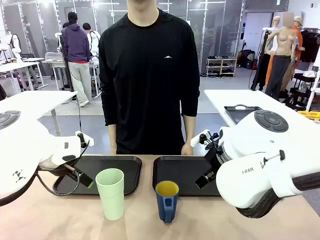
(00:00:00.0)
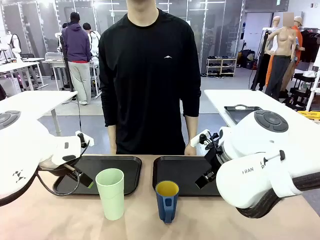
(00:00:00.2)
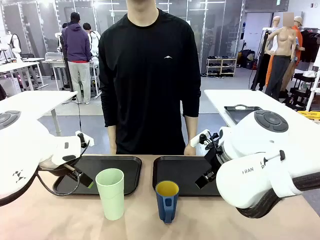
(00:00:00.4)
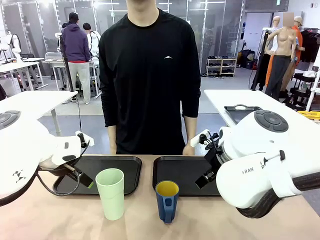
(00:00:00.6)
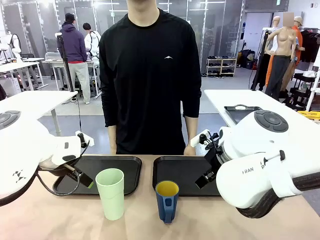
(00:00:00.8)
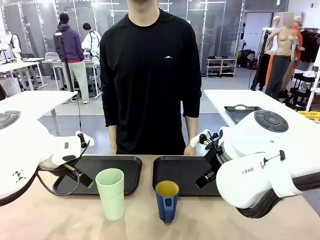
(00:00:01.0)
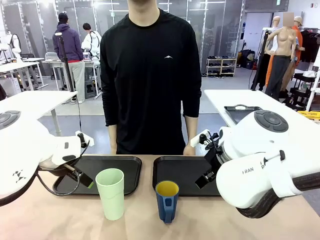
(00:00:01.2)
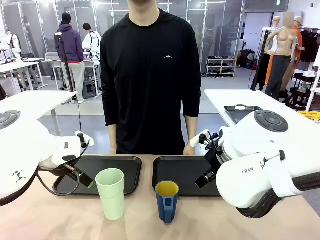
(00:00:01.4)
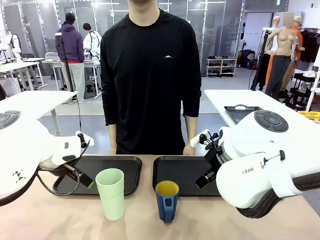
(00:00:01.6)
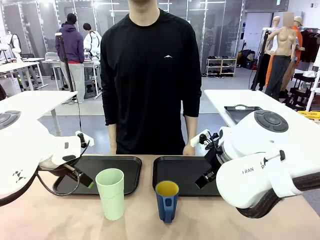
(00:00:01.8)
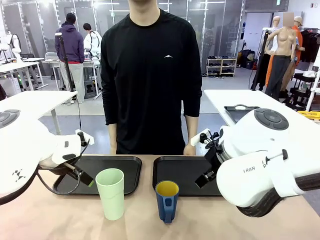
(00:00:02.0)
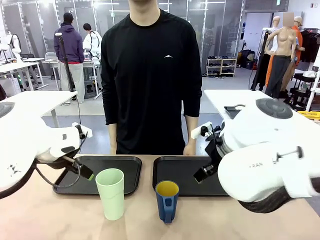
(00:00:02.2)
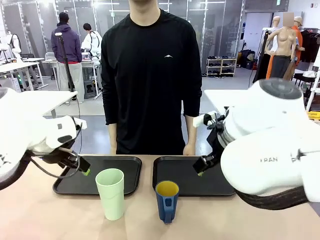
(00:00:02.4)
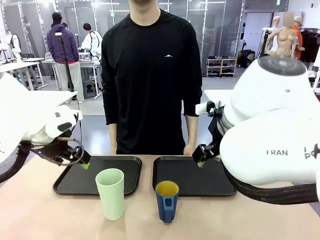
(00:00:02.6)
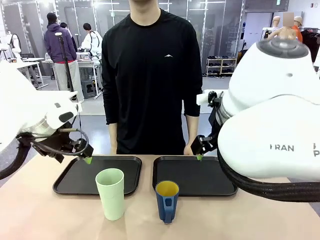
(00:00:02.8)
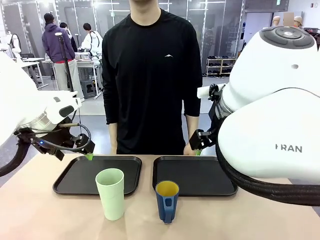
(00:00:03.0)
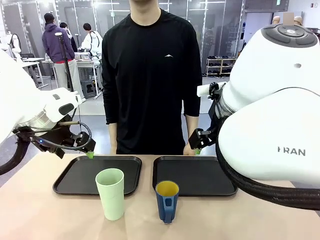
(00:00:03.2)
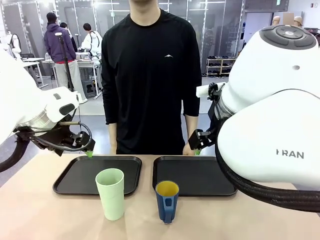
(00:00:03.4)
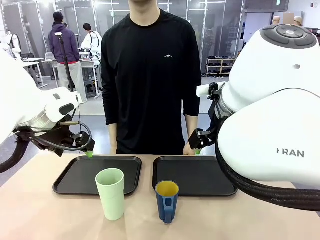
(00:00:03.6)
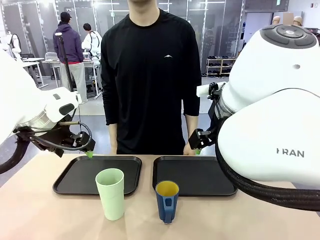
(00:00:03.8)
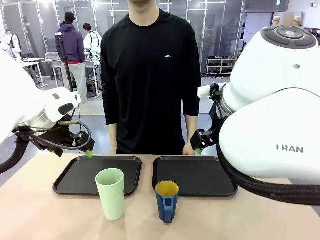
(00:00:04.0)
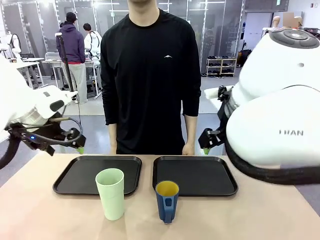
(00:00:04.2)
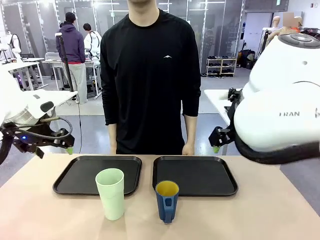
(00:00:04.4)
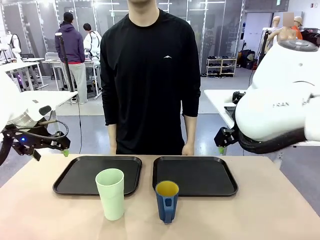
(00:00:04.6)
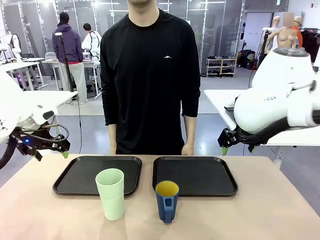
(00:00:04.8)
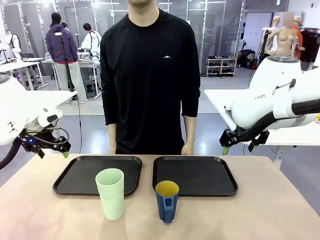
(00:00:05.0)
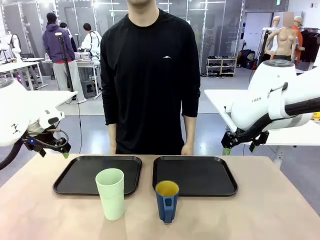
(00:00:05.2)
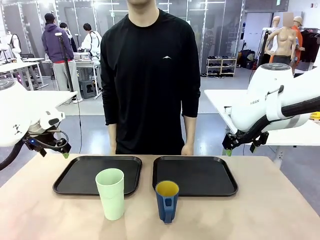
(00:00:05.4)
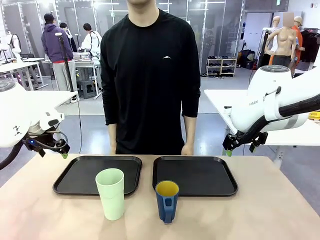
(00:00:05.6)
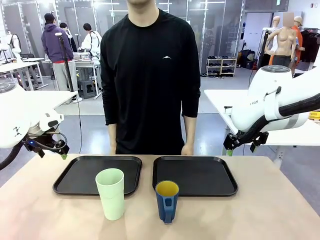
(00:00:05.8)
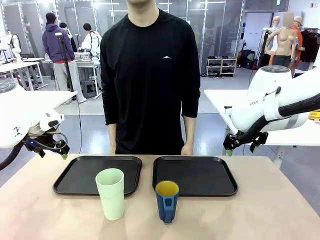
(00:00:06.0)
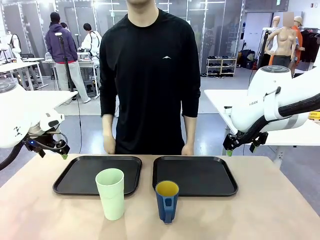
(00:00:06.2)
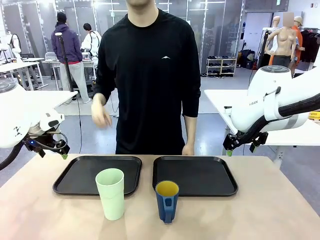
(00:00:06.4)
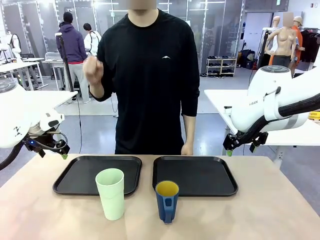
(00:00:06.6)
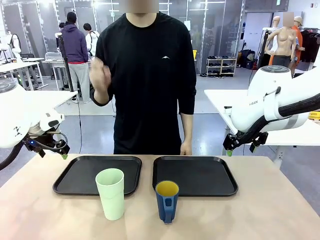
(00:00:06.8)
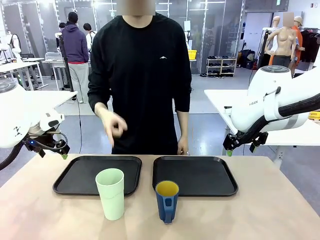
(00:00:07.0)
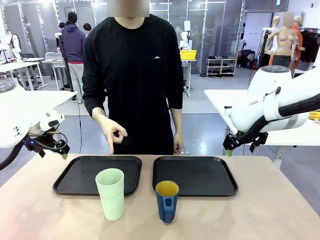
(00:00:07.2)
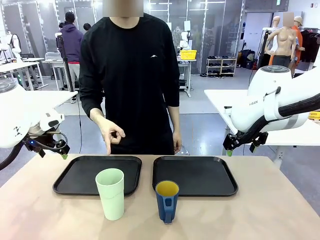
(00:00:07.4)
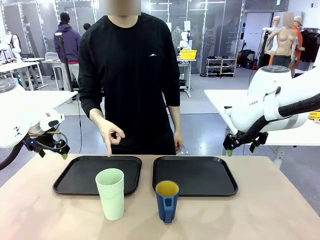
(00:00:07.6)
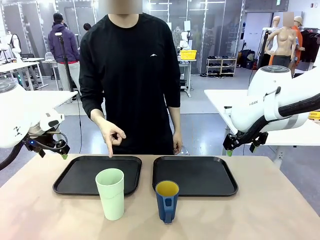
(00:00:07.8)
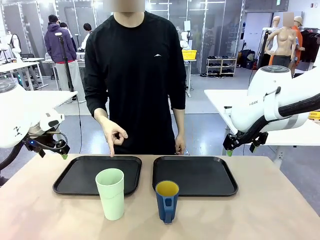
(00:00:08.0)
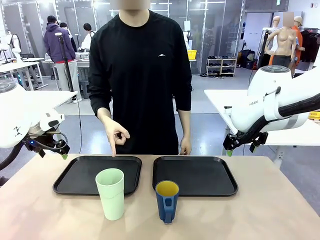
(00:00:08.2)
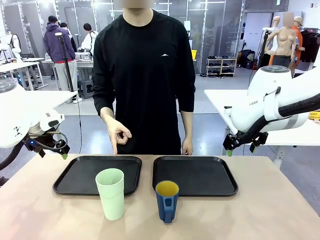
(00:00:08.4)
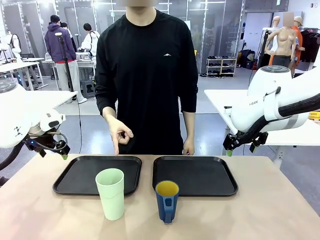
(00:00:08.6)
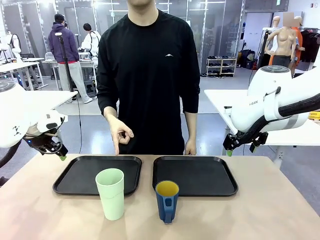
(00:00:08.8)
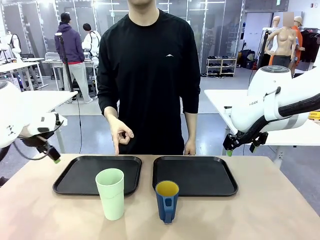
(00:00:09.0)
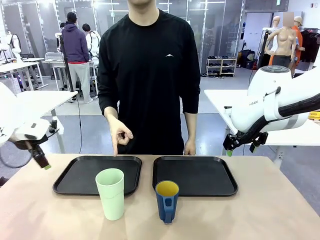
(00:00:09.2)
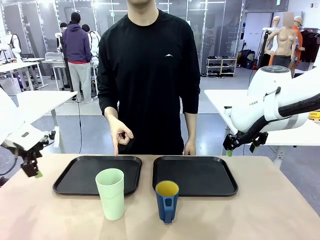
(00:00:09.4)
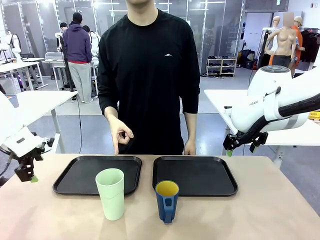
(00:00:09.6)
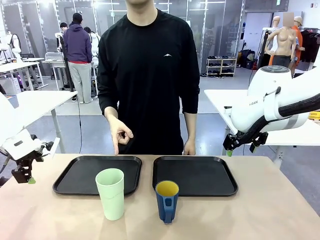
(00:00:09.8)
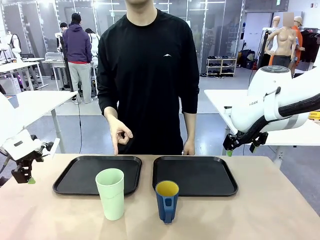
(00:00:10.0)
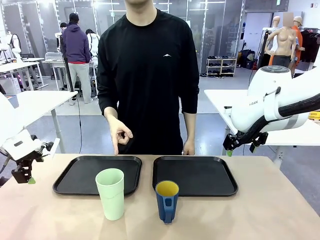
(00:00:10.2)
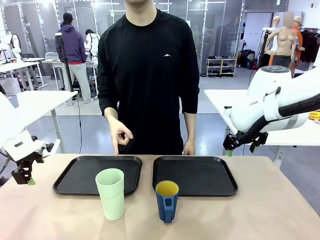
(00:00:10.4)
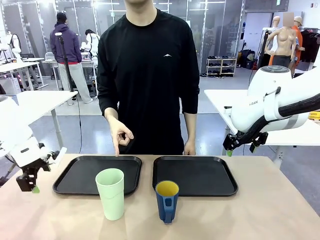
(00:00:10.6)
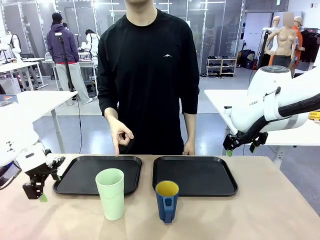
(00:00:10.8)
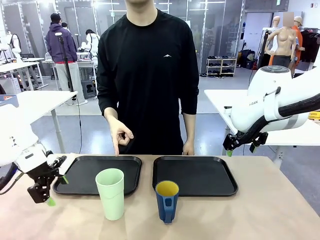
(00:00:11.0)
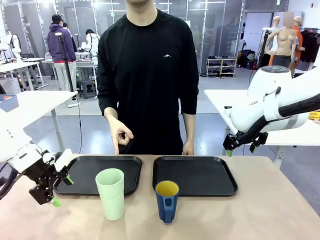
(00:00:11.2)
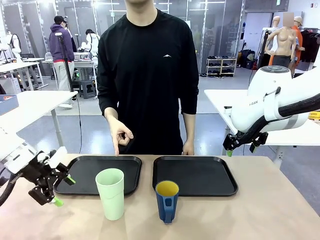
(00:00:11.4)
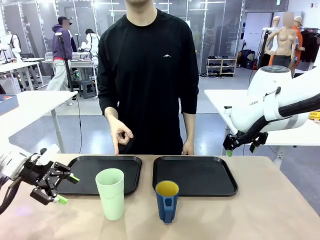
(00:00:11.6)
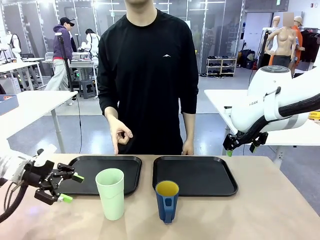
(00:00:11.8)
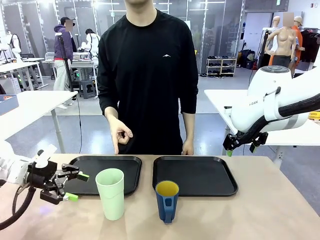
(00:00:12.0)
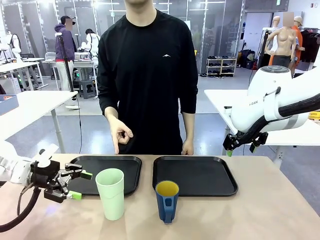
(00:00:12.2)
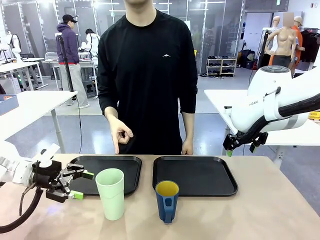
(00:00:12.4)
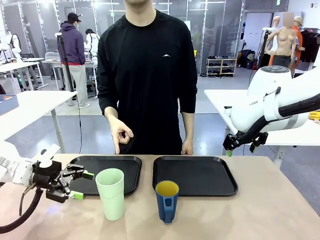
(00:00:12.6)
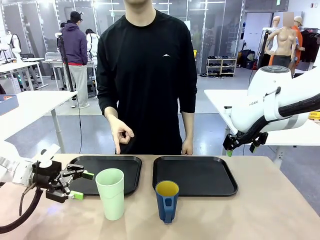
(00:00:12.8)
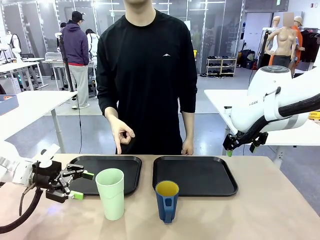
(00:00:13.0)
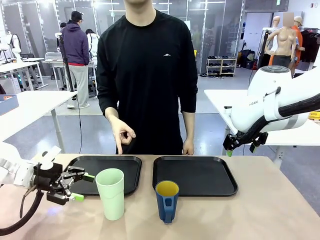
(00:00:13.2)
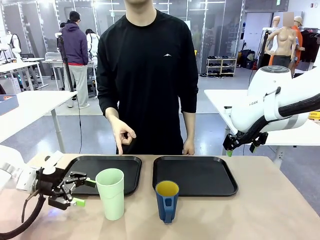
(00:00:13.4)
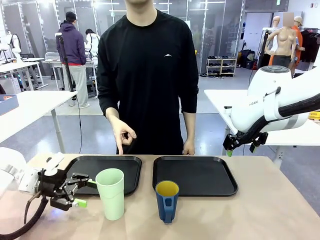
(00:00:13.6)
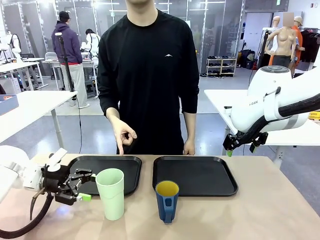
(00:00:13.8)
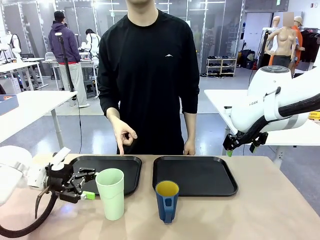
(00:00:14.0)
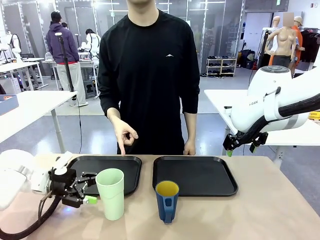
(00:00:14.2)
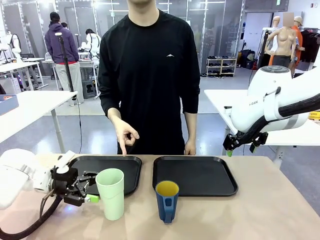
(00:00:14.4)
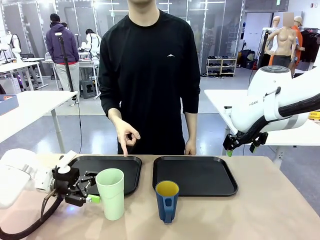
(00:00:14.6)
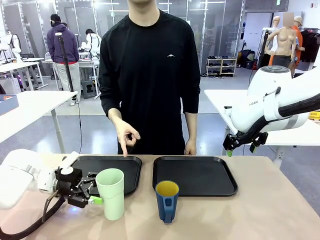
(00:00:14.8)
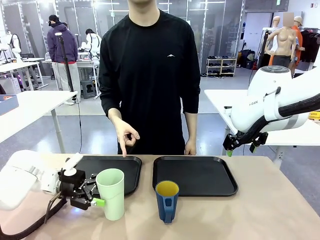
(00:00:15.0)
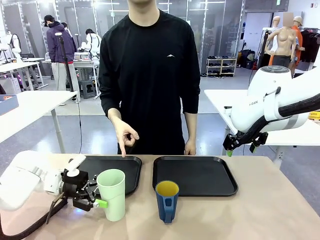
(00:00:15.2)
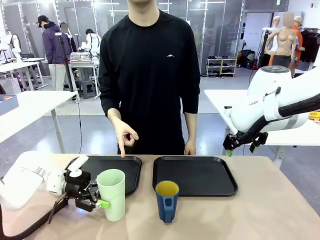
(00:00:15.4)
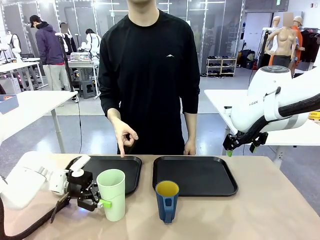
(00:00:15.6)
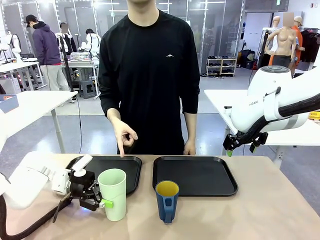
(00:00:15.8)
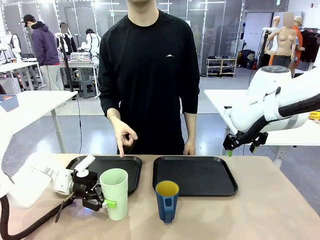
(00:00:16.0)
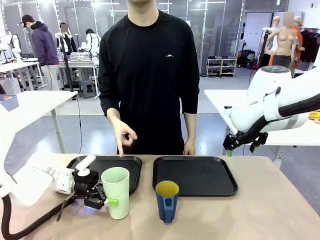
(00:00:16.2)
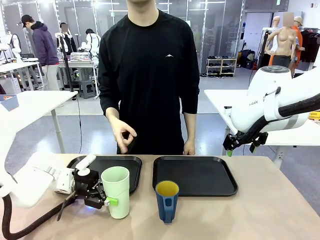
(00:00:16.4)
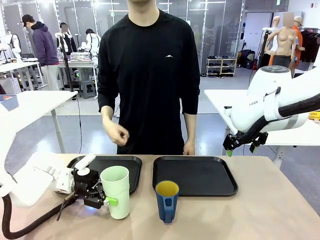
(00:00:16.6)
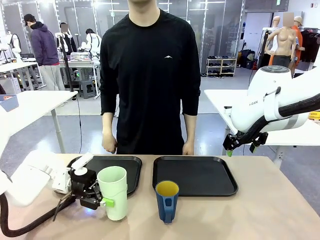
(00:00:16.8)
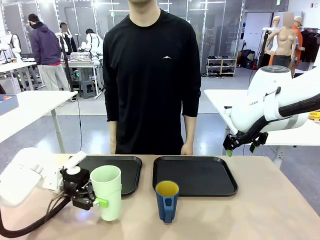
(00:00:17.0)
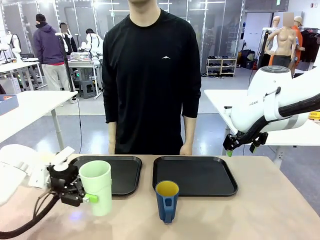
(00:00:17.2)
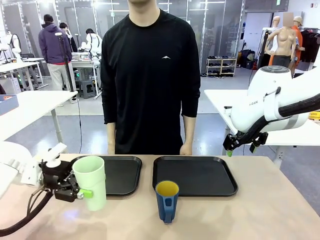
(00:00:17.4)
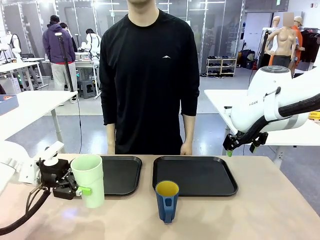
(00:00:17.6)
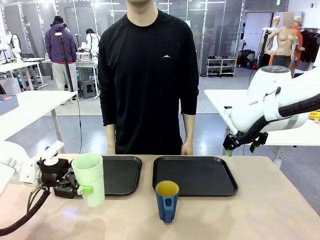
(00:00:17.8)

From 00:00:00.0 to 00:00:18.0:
Task: Sort and store the cups by type.
Robot: Pick up the Reusable plastic cup.
Person: Points to the reusable cup. Point to one of the two trays.

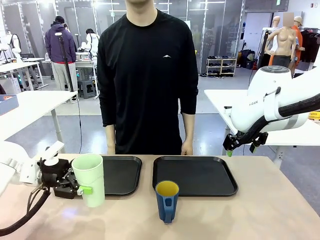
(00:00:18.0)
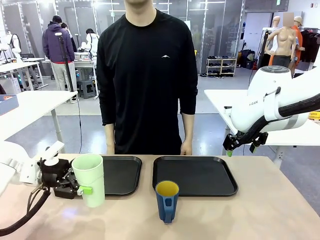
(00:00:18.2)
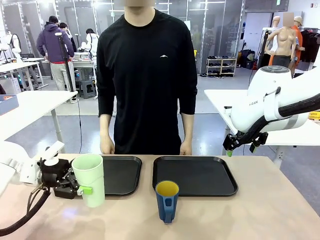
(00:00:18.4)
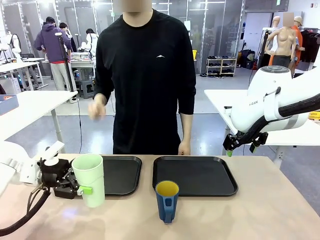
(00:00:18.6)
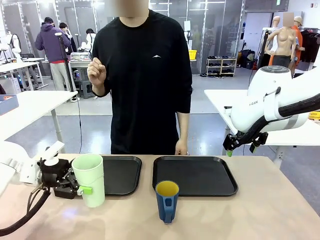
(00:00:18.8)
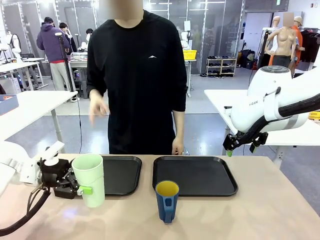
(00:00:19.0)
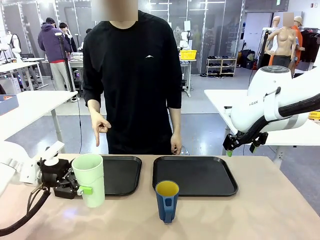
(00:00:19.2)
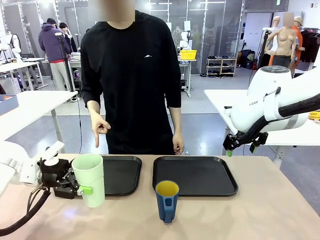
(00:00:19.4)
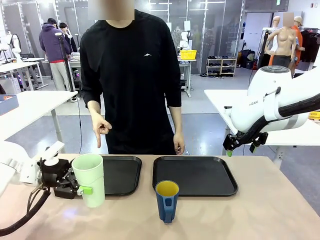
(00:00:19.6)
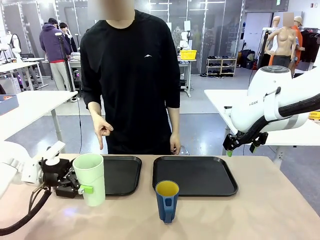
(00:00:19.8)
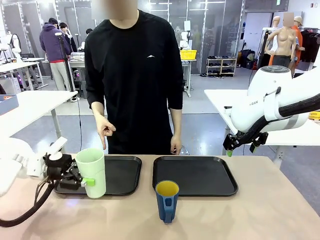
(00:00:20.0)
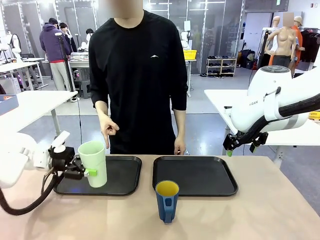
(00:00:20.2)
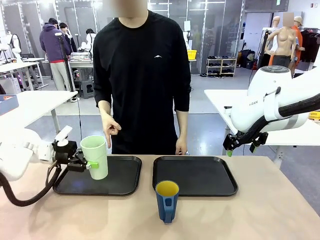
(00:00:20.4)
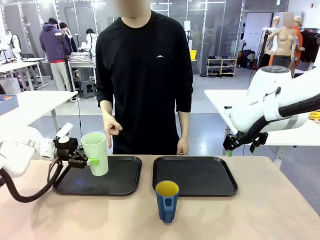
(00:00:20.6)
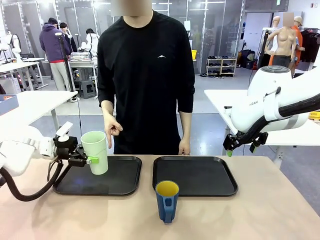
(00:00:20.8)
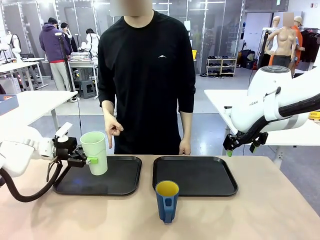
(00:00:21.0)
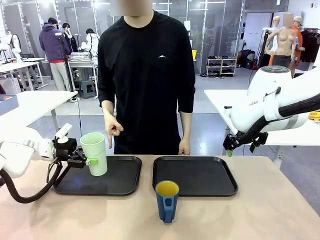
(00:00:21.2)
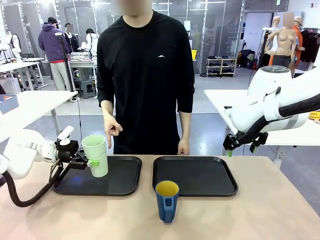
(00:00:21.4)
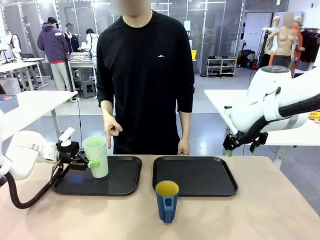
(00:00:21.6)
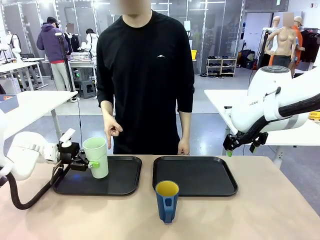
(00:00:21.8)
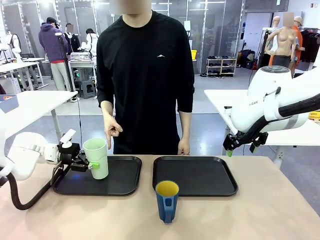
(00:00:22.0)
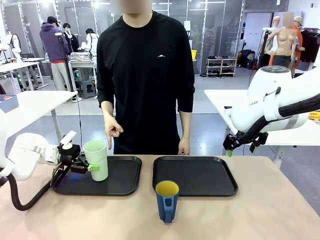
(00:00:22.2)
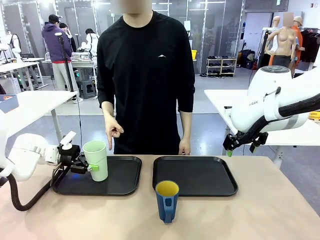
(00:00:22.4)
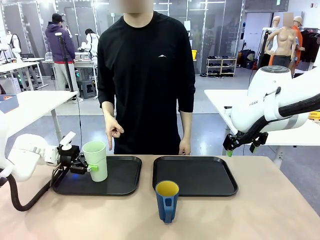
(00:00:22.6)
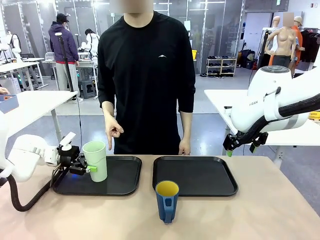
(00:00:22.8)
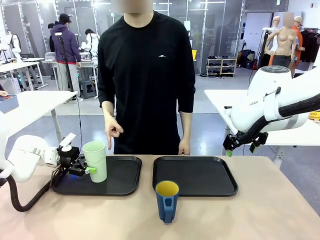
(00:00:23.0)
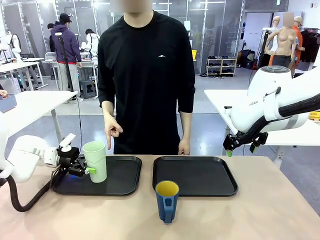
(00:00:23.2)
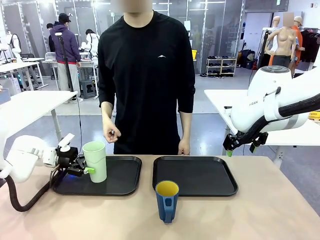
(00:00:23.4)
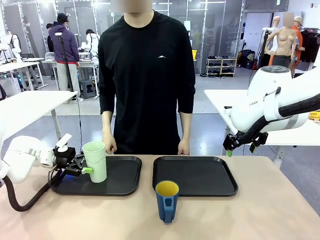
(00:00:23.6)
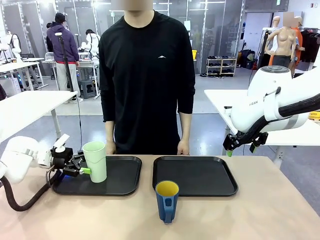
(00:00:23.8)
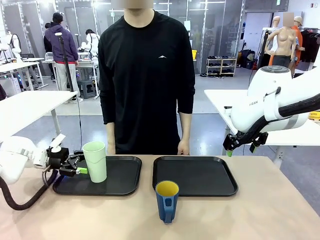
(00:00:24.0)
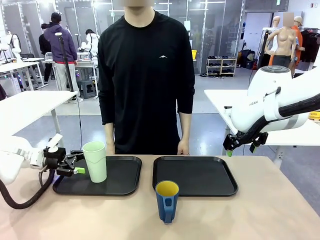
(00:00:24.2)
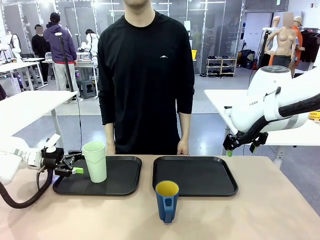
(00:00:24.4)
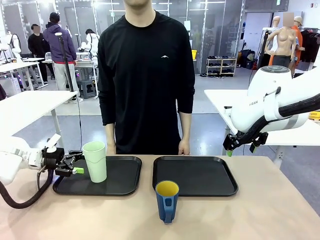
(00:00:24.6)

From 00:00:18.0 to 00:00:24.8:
Robot: Place the picked Reusable plastic cup into the Flat Tray indicated by the person.
